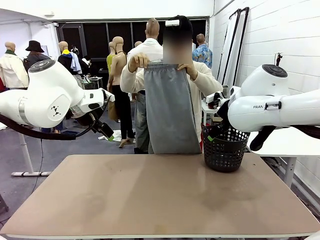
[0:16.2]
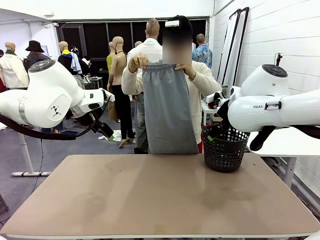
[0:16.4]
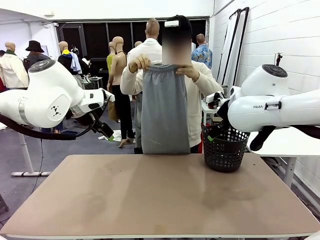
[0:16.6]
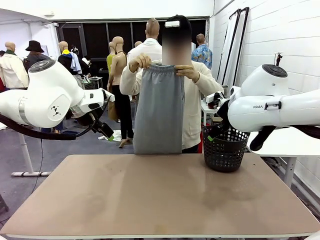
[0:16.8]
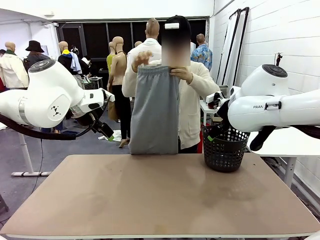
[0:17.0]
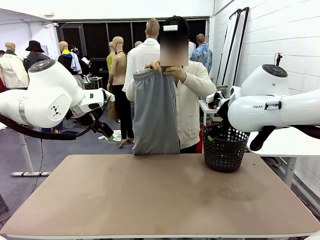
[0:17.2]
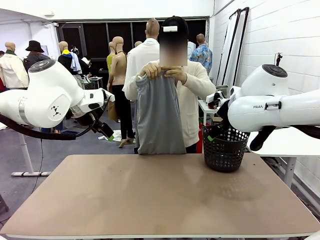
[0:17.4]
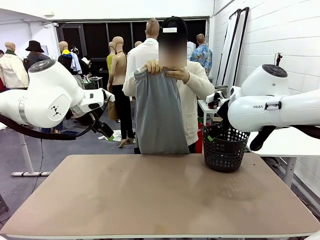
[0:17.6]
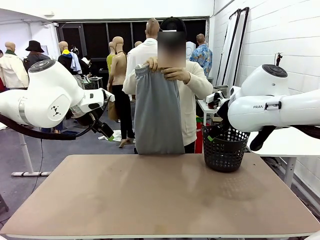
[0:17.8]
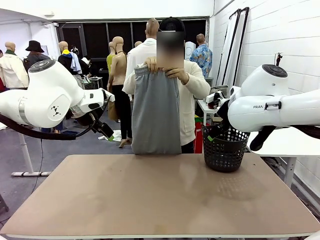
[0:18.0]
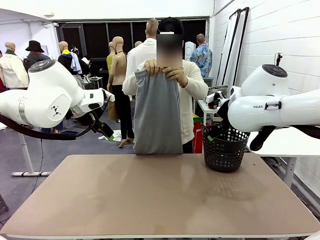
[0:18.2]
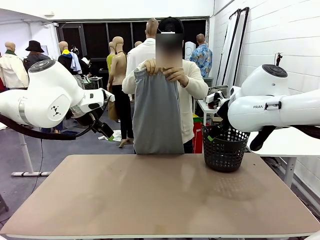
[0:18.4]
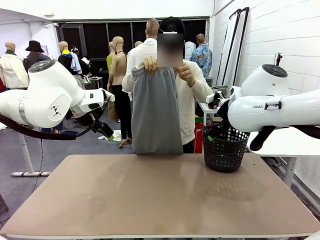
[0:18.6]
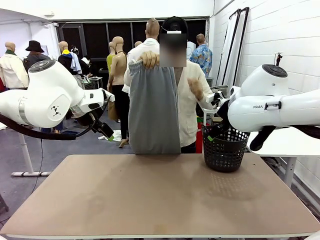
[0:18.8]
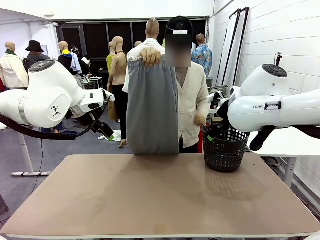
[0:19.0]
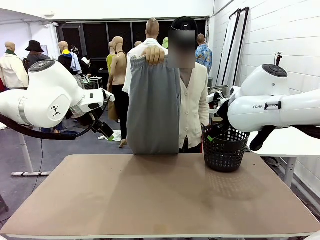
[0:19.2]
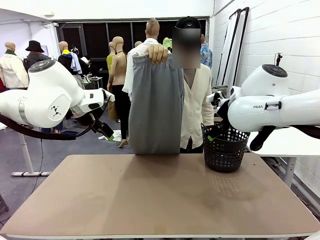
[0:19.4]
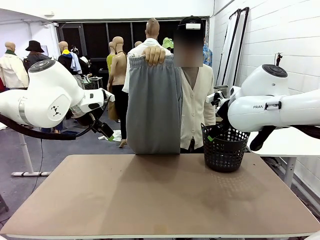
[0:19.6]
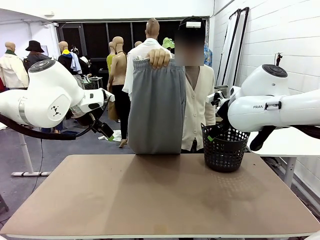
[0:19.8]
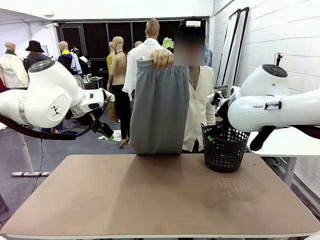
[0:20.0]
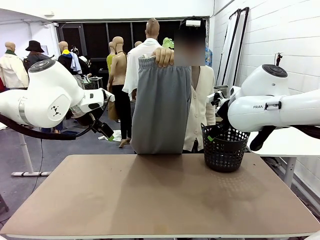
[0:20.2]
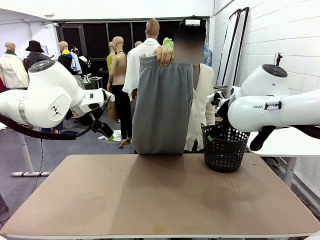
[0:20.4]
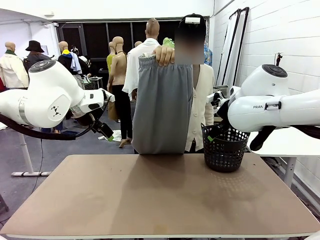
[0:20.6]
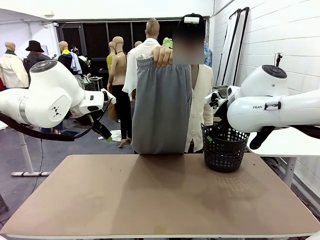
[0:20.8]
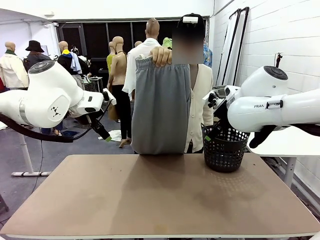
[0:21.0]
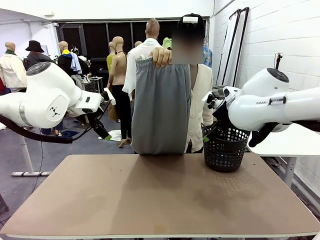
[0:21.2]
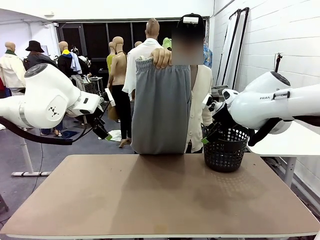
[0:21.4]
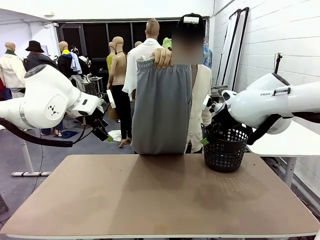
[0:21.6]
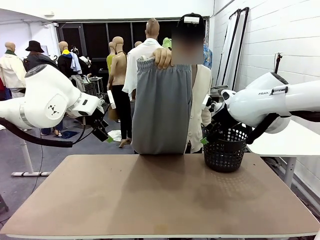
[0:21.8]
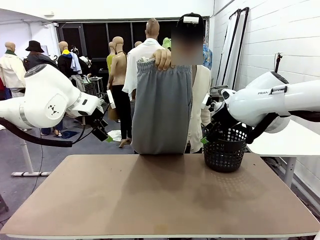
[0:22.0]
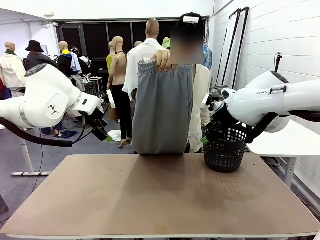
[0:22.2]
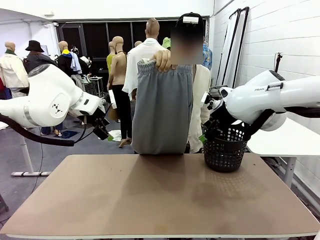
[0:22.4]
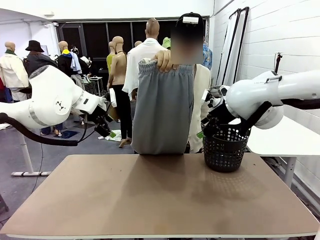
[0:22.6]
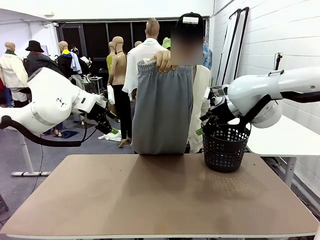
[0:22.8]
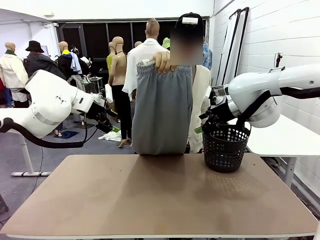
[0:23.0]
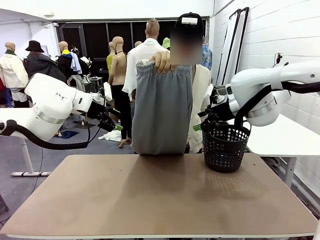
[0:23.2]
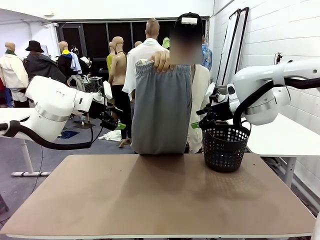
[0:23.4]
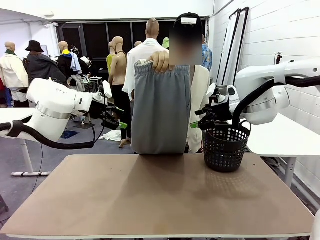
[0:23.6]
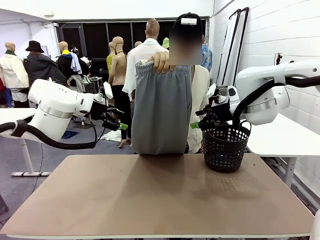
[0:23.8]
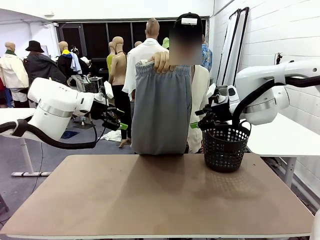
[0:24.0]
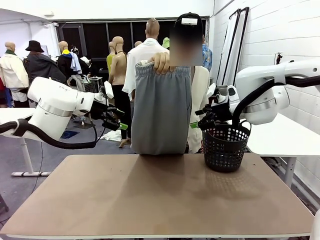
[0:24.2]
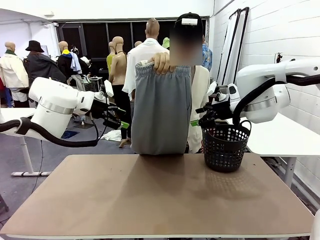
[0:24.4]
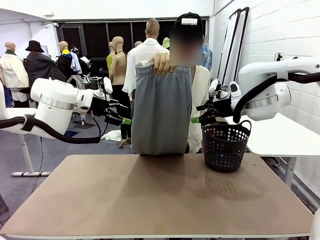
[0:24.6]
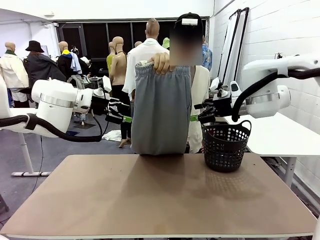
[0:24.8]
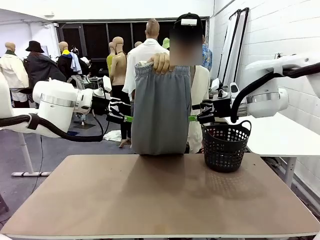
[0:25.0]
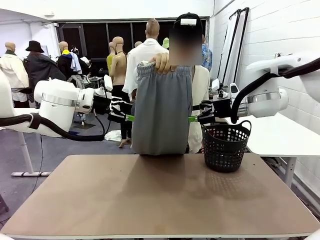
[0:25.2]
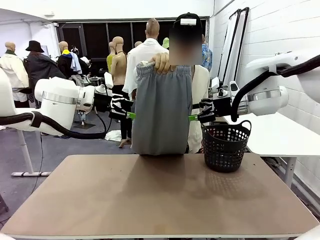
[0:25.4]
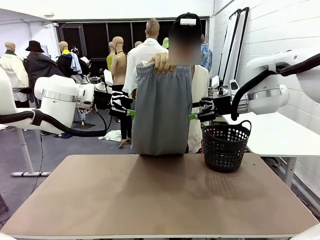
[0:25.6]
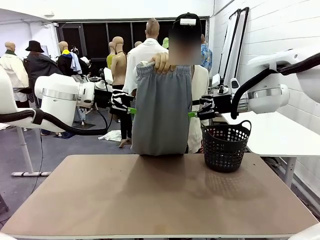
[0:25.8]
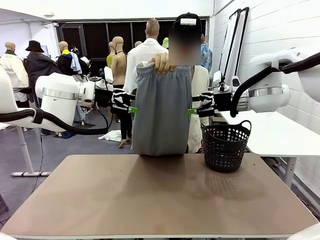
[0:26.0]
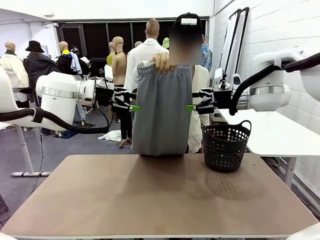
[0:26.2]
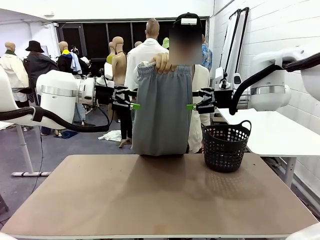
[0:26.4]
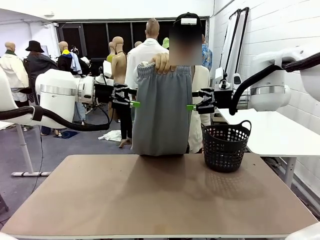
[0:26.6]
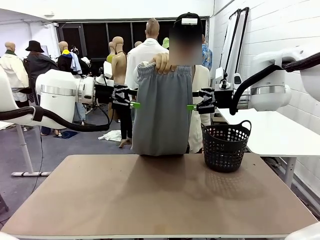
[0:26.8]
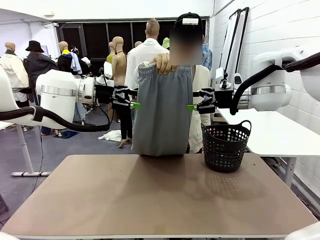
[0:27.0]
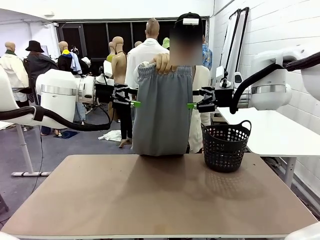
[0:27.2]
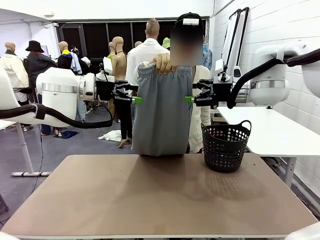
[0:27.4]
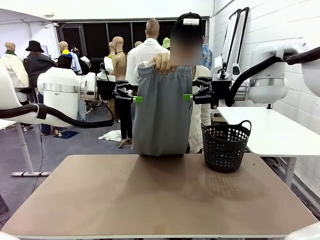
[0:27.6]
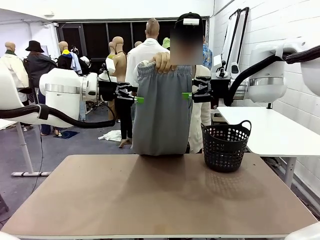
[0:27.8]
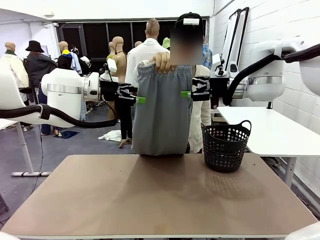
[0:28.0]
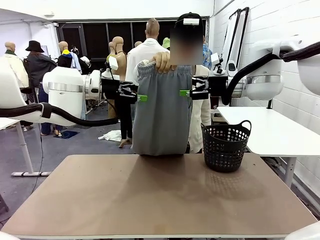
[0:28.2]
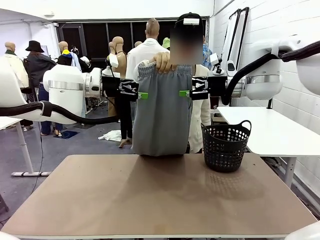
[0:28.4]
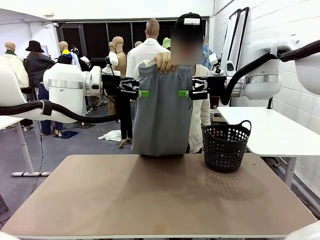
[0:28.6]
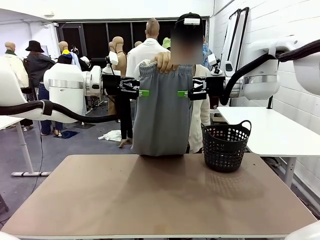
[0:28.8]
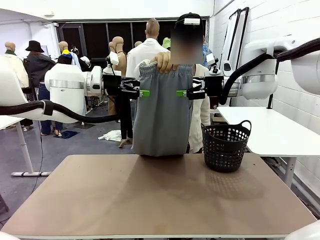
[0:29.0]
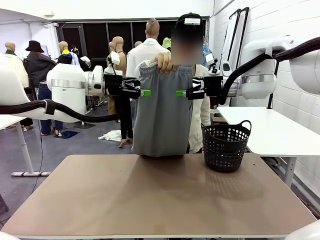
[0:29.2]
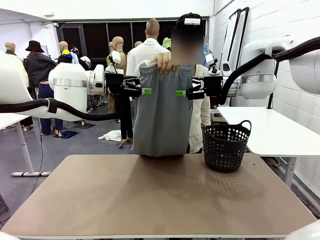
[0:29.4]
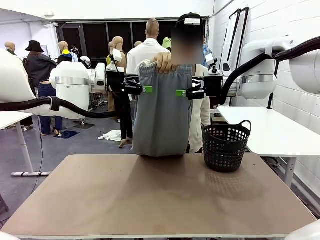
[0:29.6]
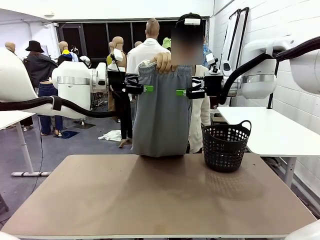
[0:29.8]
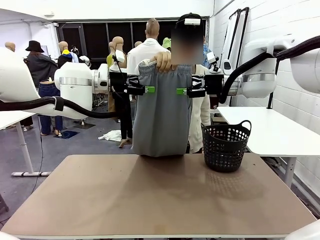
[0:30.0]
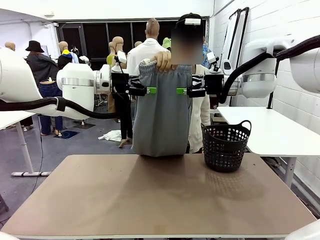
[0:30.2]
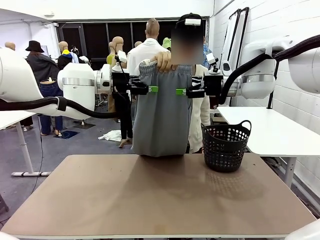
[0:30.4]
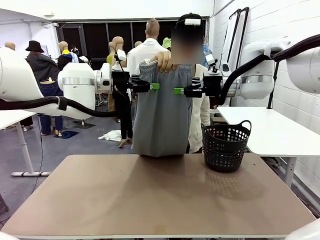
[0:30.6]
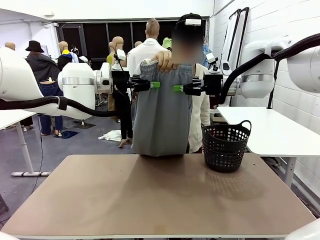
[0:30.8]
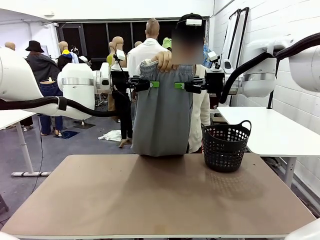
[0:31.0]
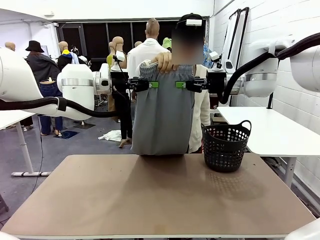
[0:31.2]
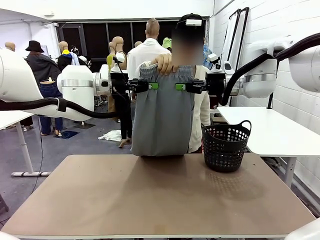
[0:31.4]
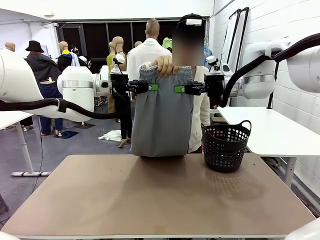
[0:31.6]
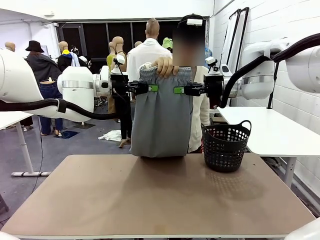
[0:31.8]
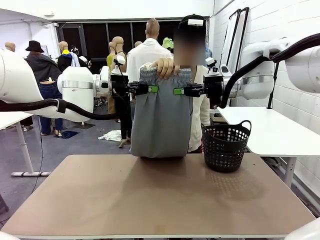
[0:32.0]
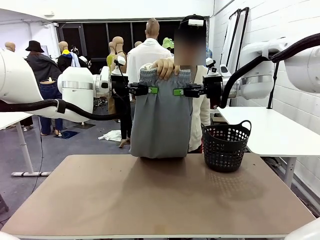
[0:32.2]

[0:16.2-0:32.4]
Task: Fold the training pants.
Robot: Grab both ends of the Training pants handed by a person.
